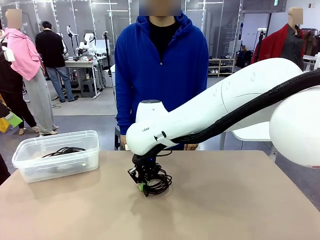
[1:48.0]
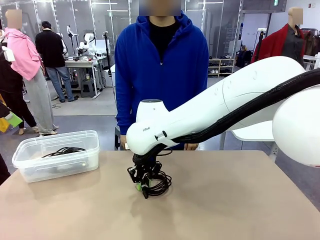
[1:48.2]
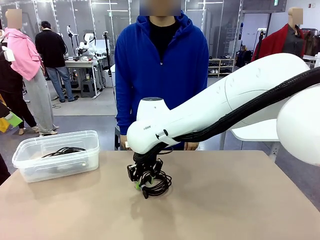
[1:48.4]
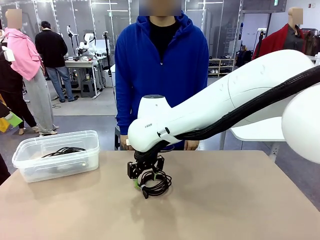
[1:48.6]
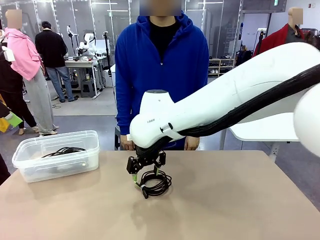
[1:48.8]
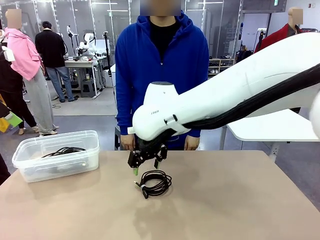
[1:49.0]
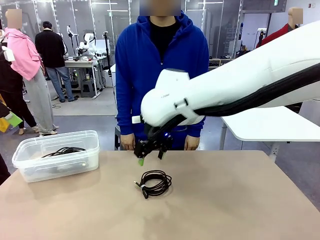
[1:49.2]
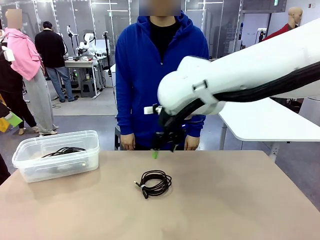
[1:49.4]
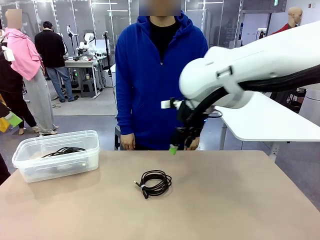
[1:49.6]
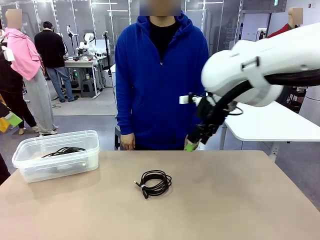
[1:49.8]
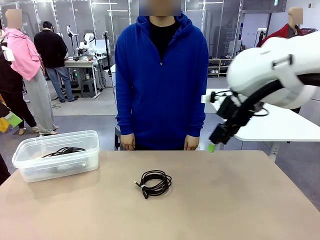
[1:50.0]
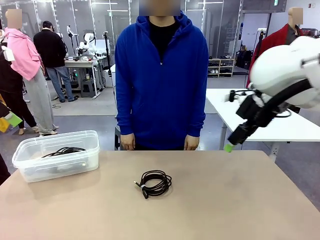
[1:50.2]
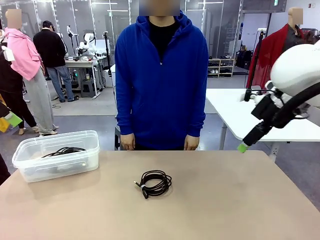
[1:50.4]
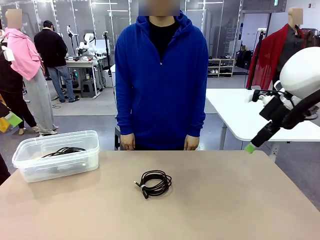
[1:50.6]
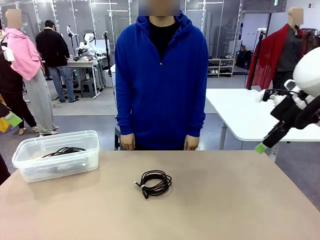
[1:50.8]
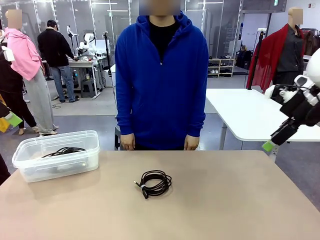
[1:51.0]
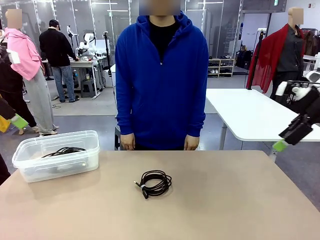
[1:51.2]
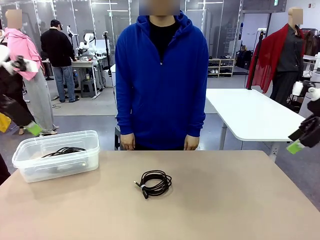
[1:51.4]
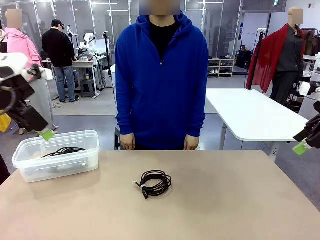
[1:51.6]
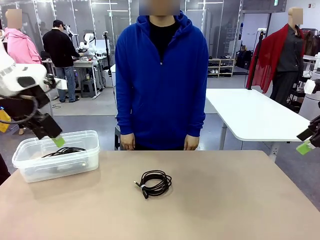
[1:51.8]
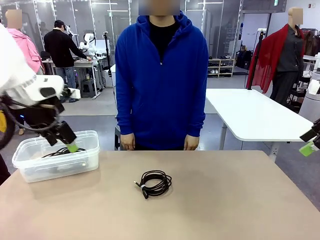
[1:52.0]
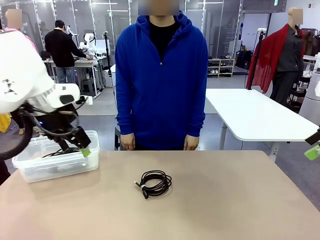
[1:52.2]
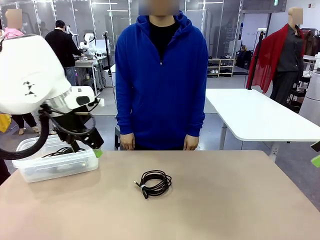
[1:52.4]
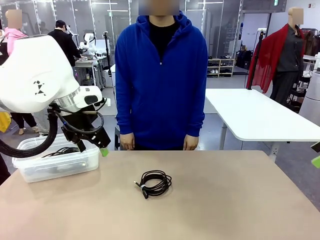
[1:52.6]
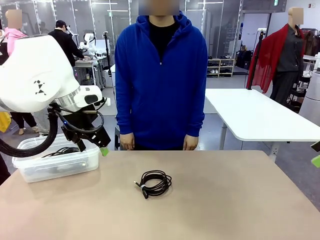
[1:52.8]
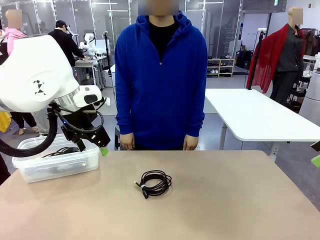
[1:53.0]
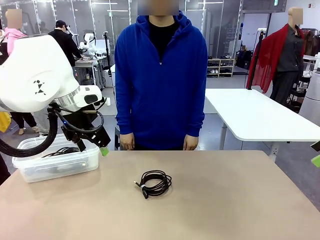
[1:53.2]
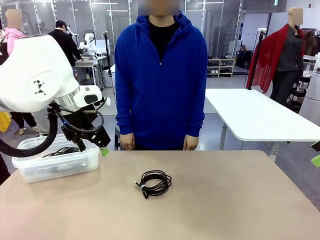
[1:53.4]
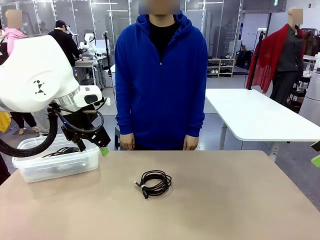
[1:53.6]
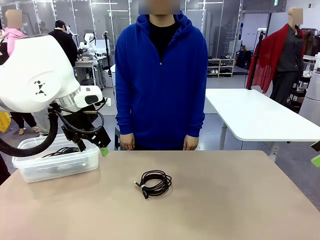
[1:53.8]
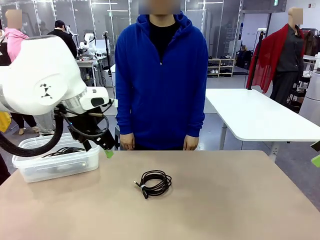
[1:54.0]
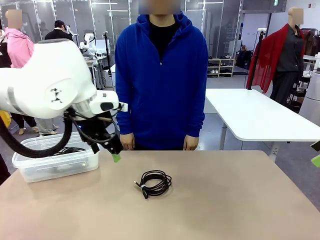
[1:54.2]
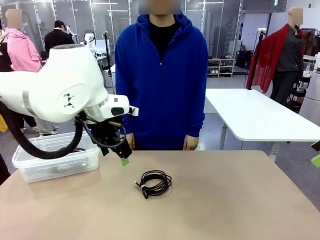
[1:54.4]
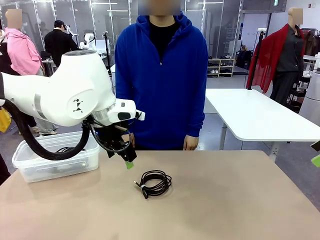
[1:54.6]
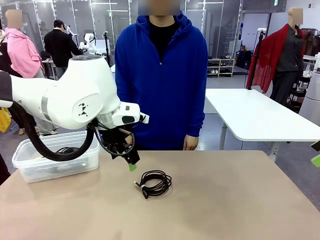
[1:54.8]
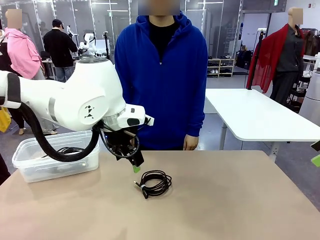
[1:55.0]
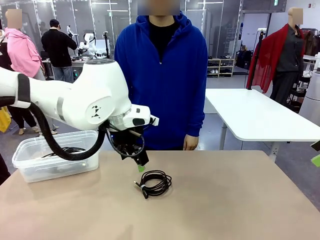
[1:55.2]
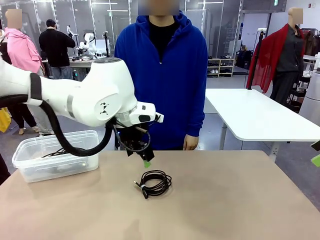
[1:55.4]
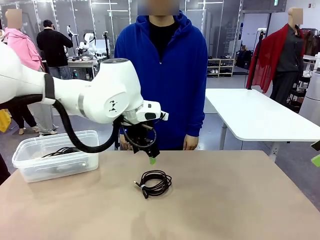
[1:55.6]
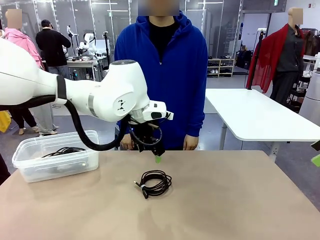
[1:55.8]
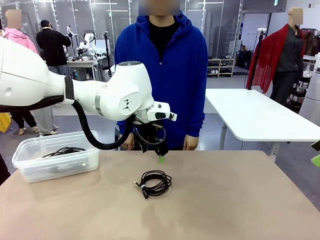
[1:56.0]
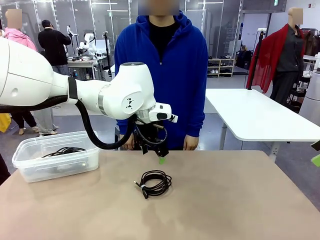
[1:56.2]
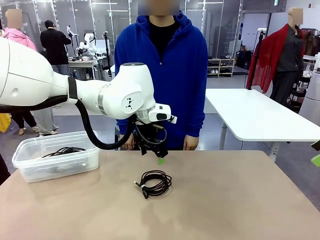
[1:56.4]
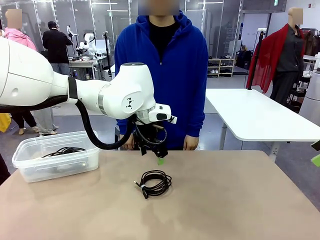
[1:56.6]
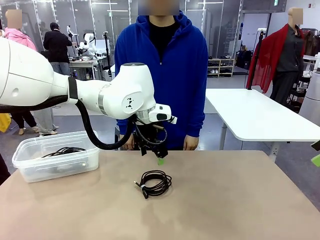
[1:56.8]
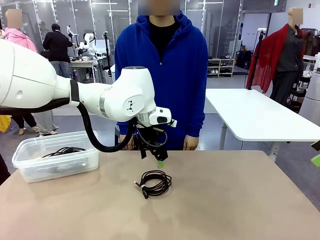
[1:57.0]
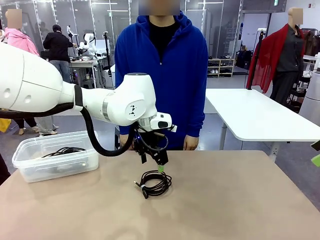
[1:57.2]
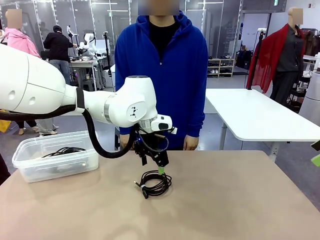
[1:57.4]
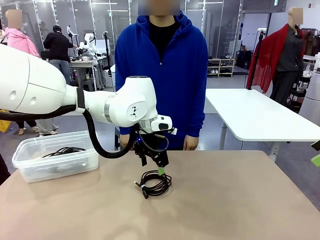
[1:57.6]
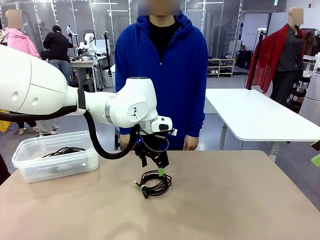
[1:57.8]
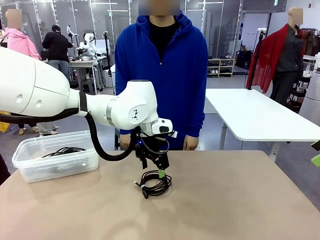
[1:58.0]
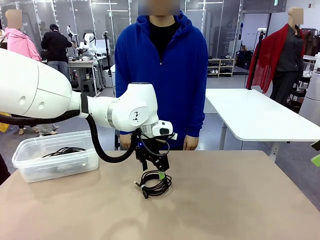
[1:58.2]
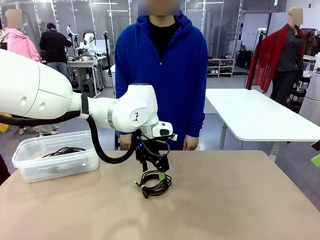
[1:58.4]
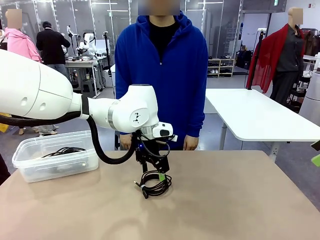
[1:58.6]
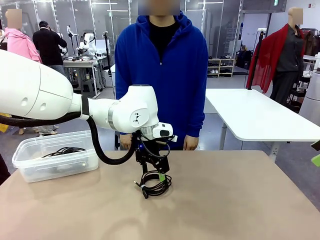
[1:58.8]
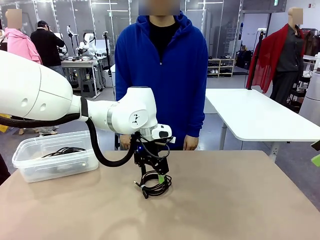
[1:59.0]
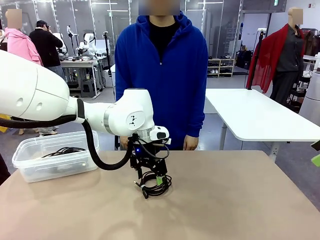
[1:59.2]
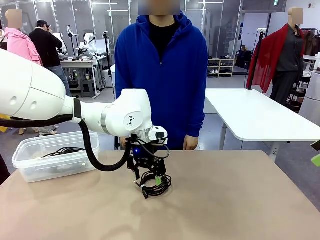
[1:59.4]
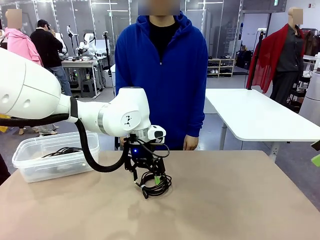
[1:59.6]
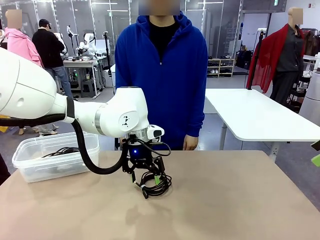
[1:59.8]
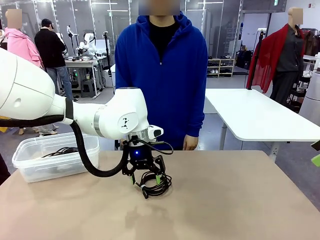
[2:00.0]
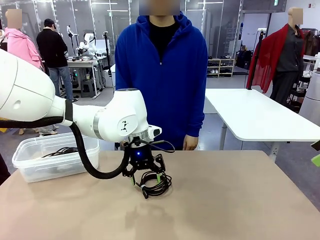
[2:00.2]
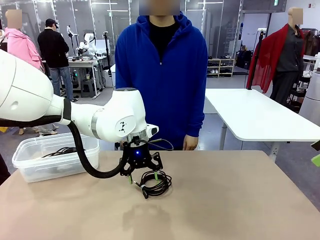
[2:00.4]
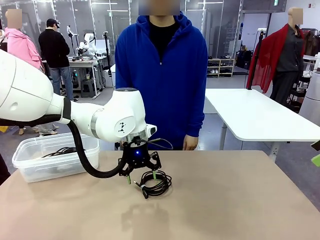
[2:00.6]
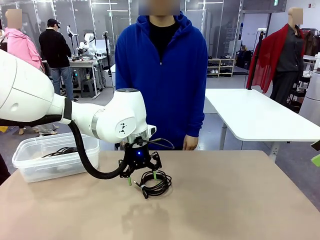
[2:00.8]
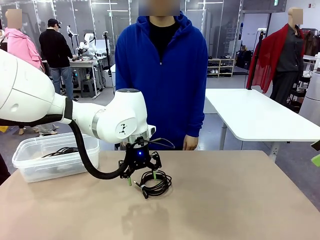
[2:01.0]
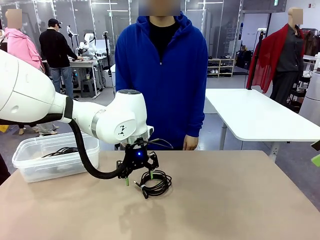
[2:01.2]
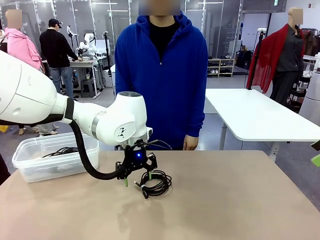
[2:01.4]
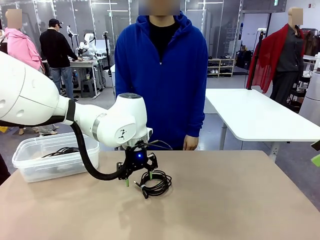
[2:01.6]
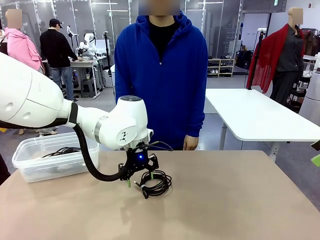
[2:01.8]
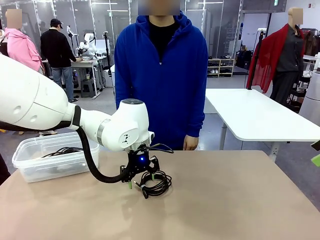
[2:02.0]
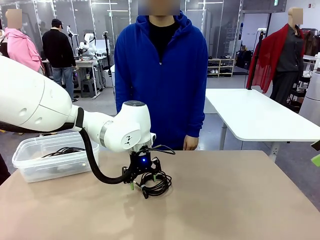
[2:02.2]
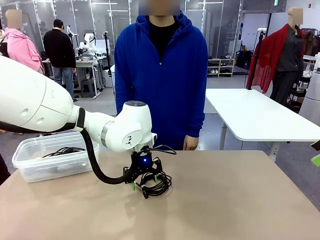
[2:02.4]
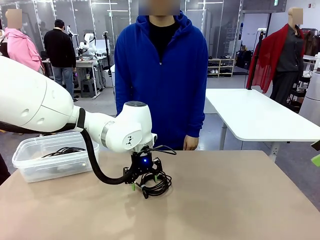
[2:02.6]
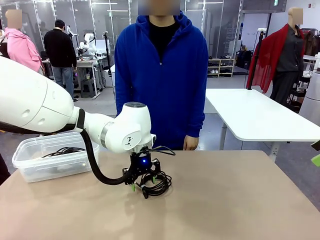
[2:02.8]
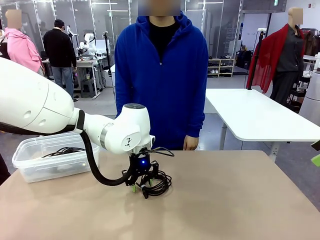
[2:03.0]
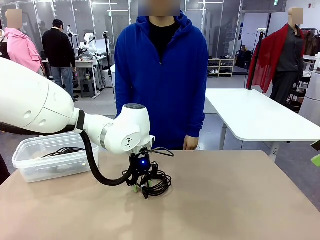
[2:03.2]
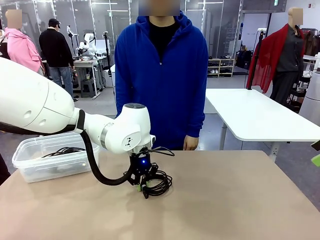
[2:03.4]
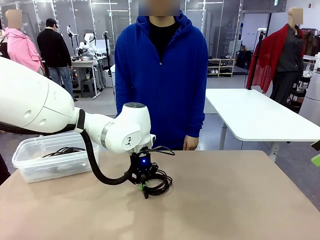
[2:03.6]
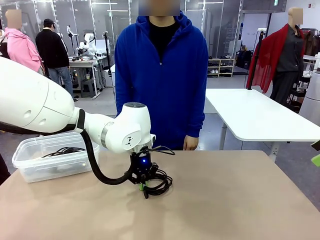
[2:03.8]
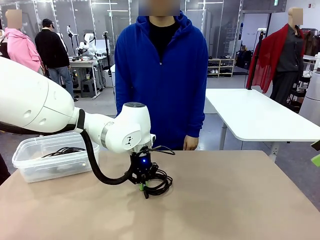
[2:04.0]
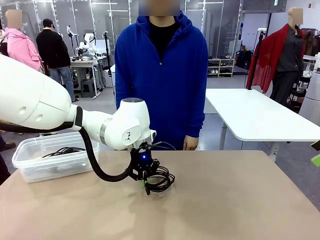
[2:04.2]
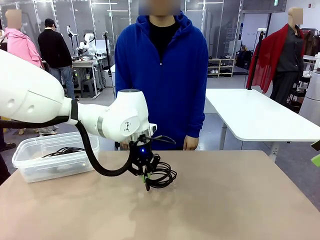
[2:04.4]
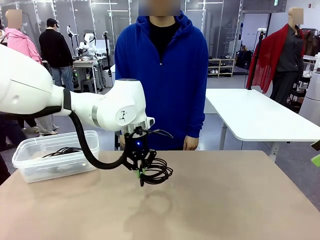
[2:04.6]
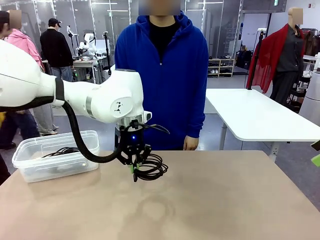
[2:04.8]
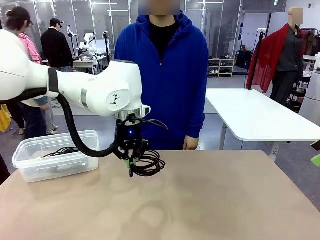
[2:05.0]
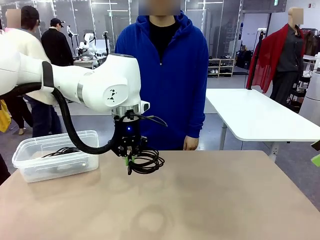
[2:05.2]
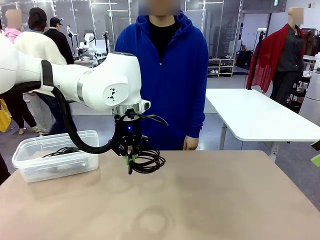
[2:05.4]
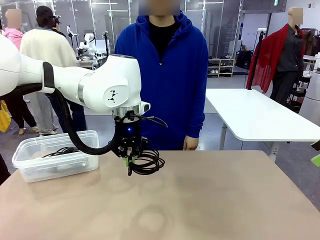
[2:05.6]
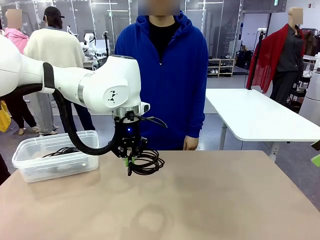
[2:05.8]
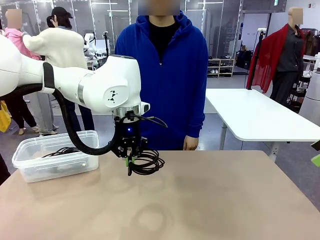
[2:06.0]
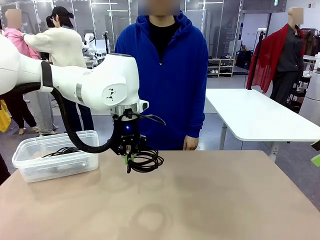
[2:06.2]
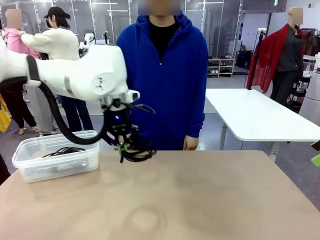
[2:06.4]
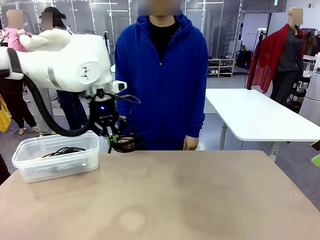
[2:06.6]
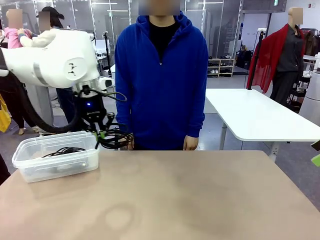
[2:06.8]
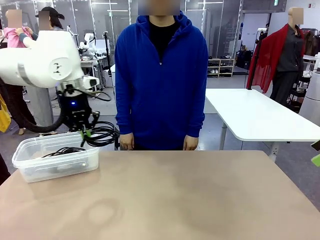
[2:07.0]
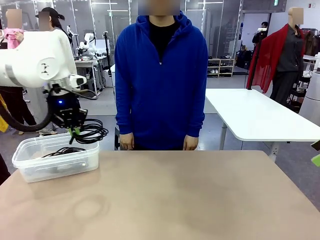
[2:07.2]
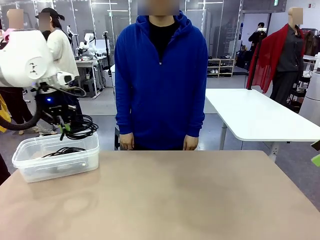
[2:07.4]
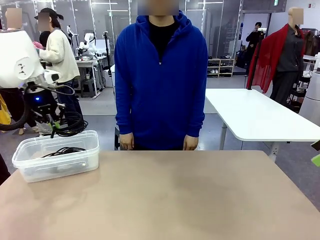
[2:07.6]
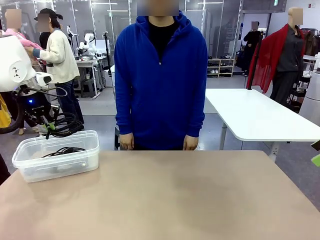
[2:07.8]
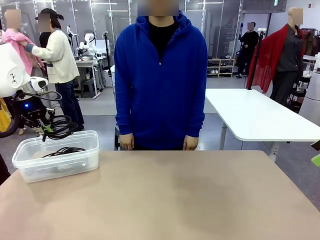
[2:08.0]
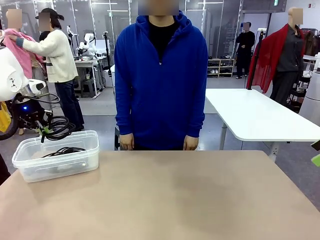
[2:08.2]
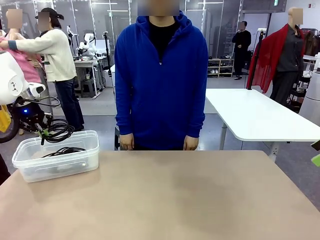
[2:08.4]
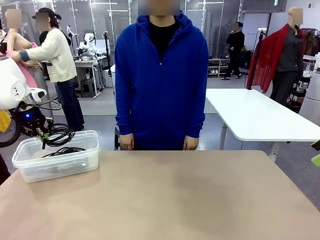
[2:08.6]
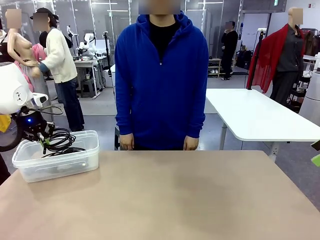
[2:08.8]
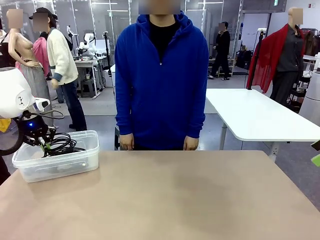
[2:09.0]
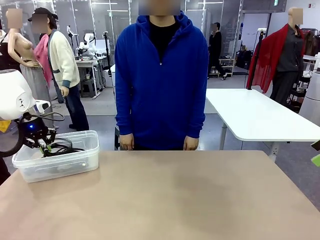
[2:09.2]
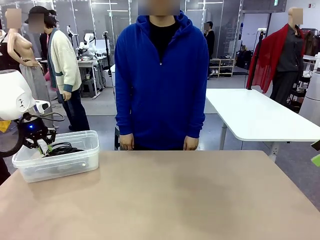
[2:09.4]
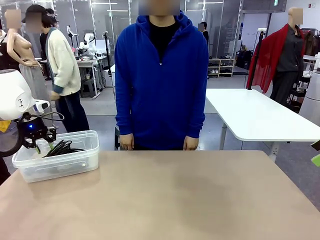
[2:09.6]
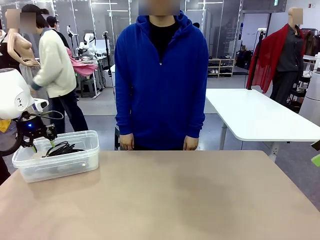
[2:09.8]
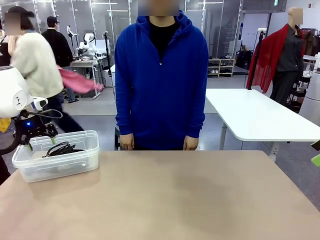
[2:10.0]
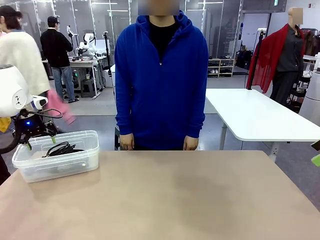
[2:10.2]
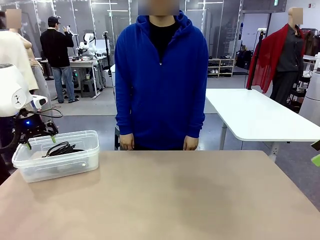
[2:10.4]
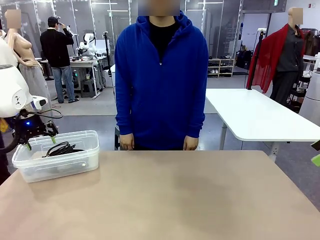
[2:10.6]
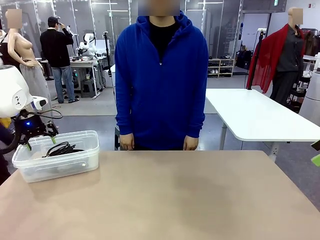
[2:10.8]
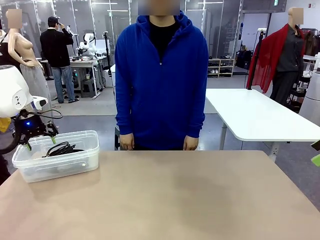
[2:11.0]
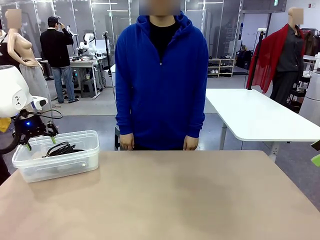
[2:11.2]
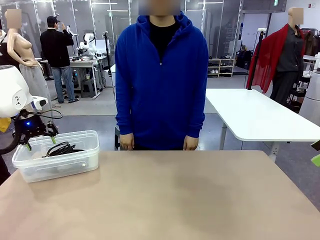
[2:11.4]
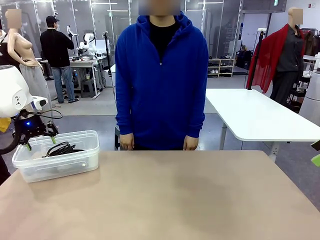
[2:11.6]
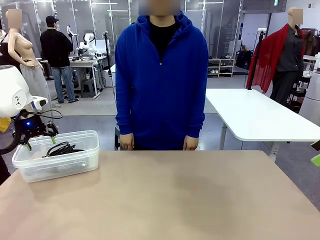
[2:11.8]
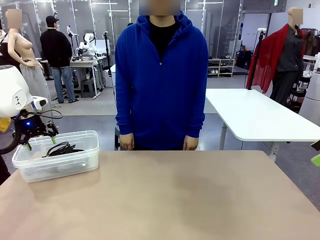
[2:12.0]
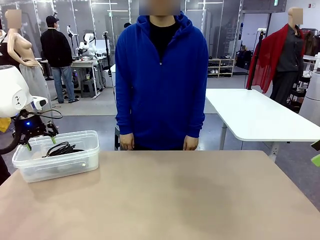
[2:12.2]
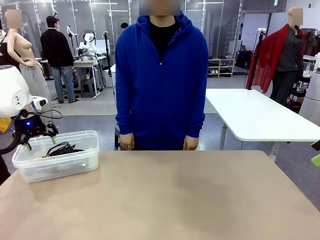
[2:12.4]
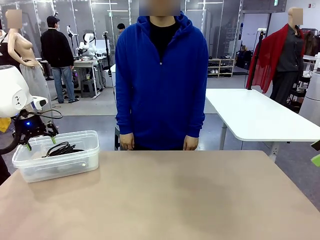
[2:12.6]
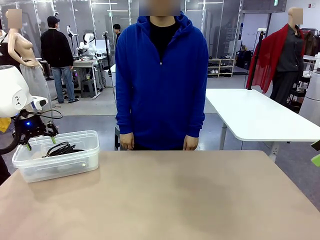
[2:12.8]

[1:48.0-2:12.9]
Task: Organize and store the cables.
Robot: Place the USB Extension Cable into the Organizing box.
